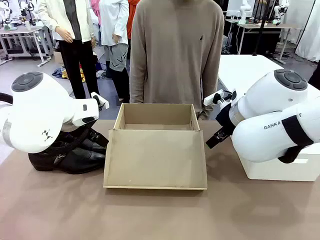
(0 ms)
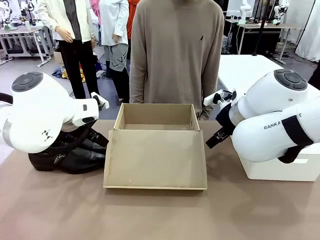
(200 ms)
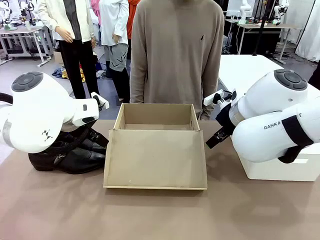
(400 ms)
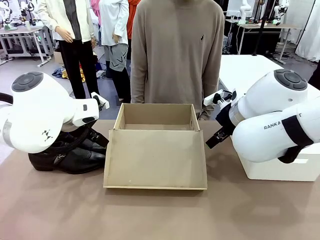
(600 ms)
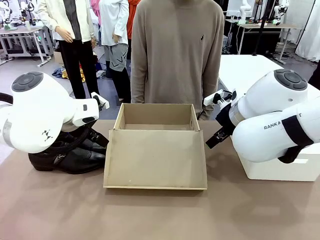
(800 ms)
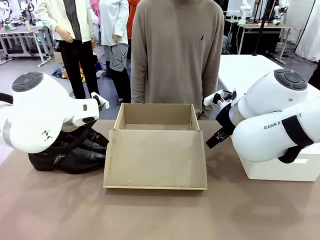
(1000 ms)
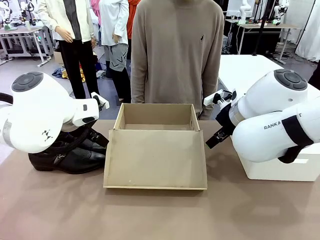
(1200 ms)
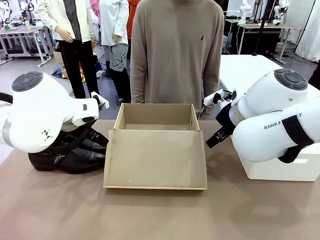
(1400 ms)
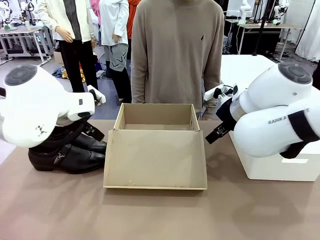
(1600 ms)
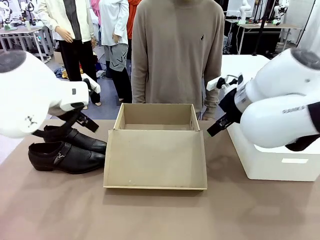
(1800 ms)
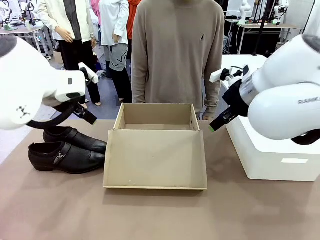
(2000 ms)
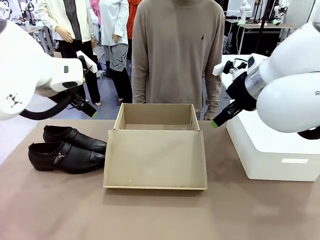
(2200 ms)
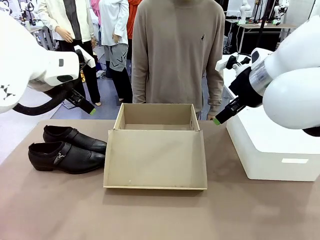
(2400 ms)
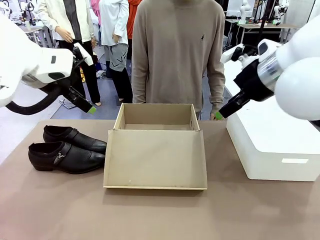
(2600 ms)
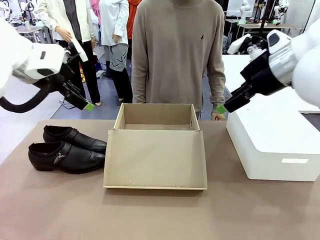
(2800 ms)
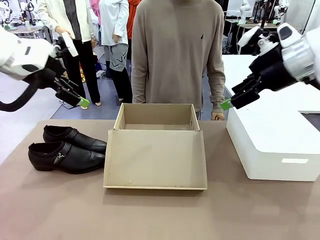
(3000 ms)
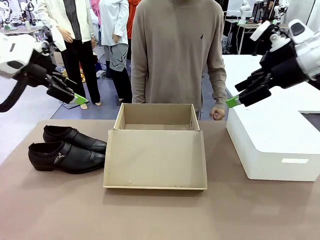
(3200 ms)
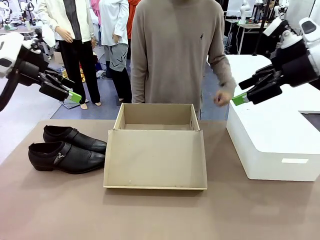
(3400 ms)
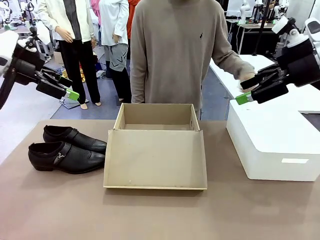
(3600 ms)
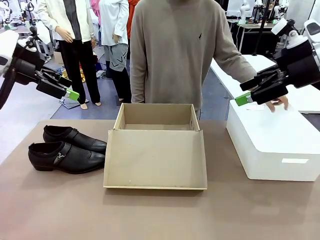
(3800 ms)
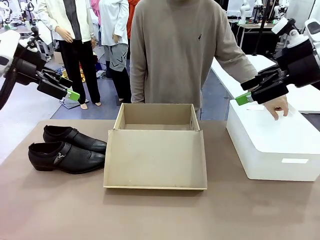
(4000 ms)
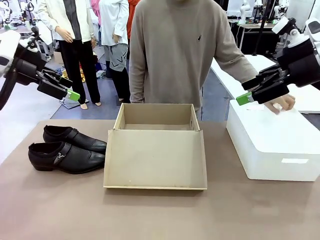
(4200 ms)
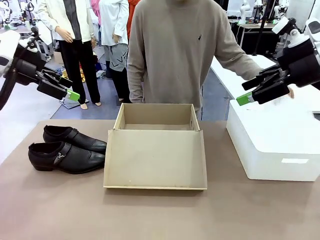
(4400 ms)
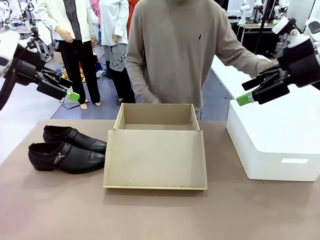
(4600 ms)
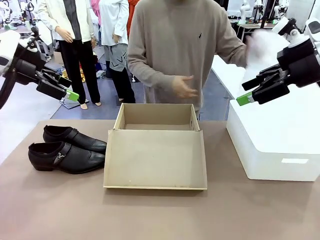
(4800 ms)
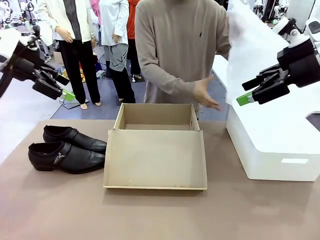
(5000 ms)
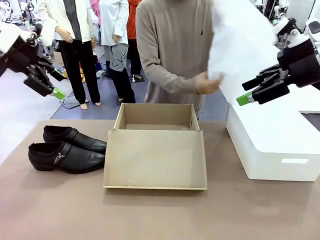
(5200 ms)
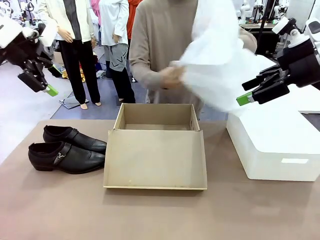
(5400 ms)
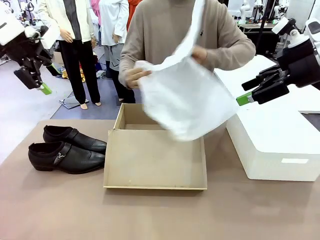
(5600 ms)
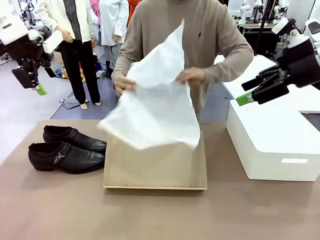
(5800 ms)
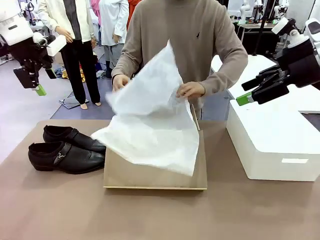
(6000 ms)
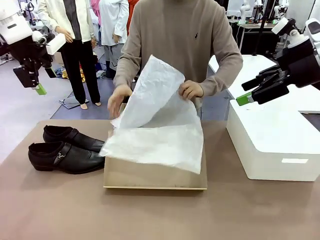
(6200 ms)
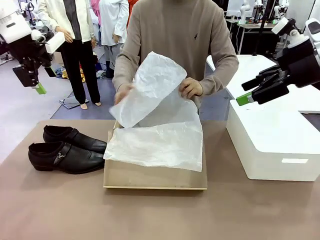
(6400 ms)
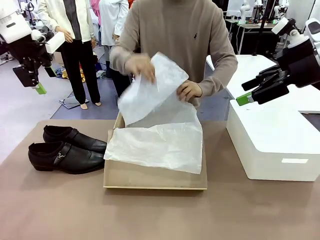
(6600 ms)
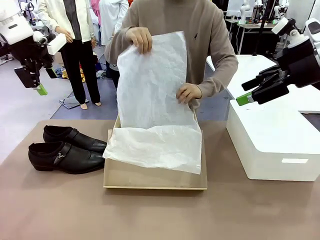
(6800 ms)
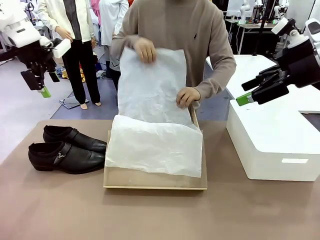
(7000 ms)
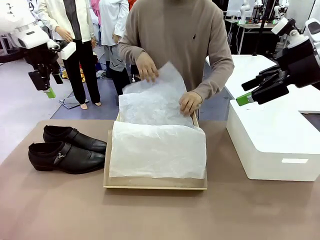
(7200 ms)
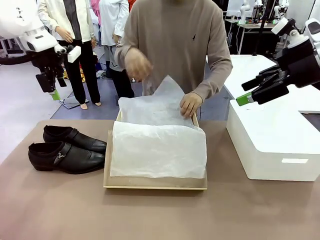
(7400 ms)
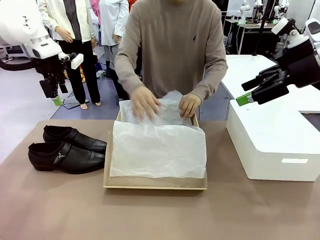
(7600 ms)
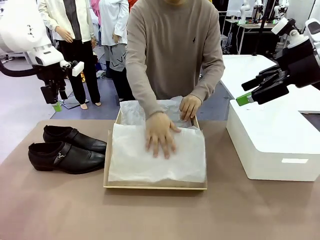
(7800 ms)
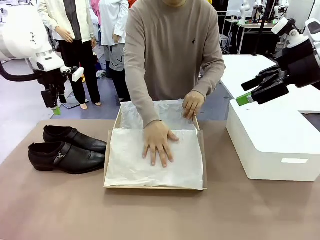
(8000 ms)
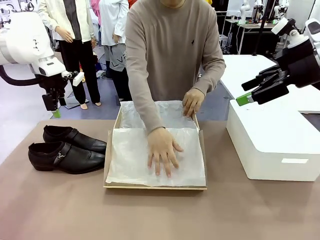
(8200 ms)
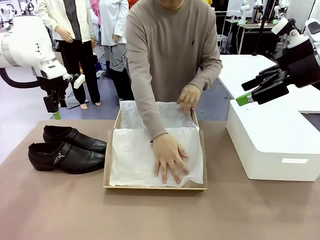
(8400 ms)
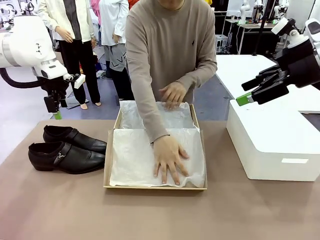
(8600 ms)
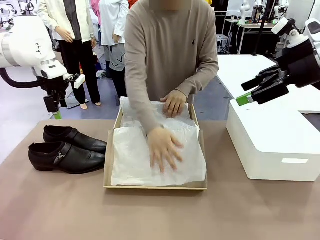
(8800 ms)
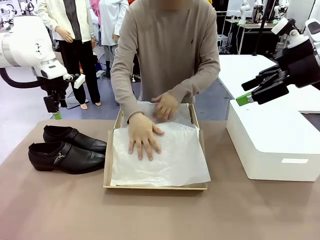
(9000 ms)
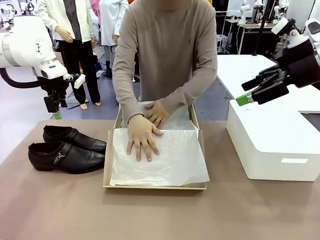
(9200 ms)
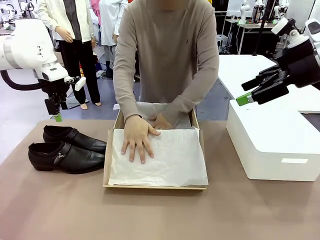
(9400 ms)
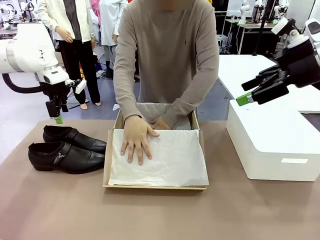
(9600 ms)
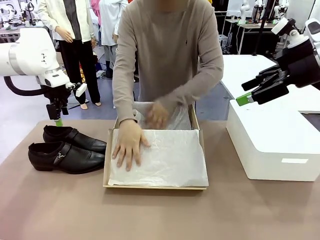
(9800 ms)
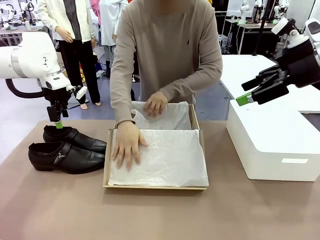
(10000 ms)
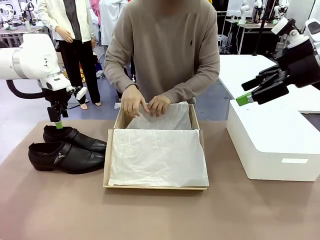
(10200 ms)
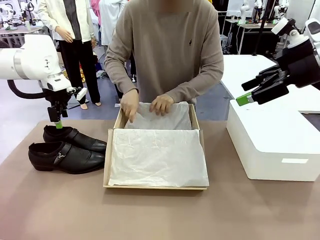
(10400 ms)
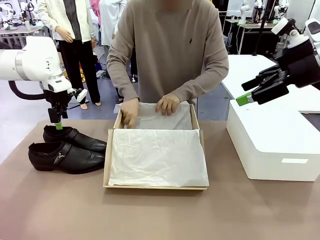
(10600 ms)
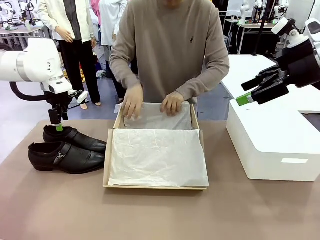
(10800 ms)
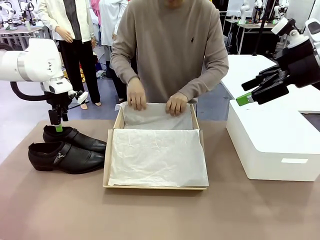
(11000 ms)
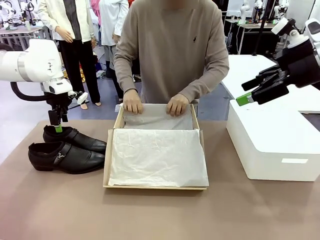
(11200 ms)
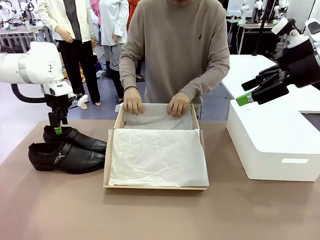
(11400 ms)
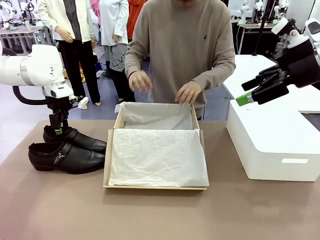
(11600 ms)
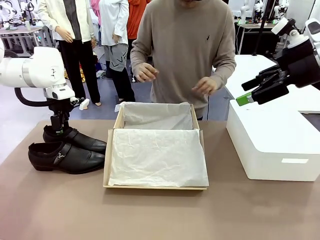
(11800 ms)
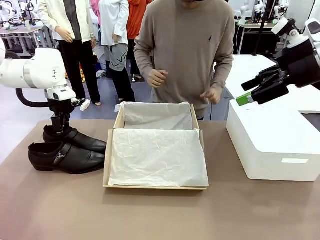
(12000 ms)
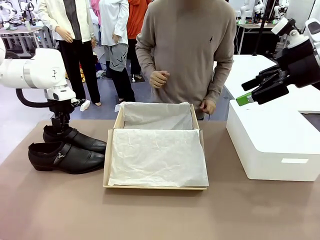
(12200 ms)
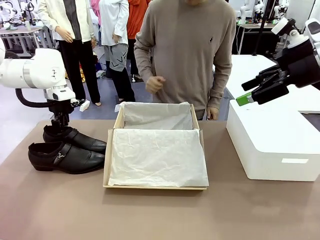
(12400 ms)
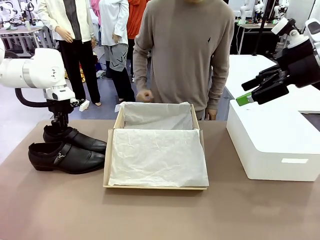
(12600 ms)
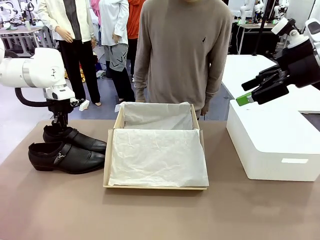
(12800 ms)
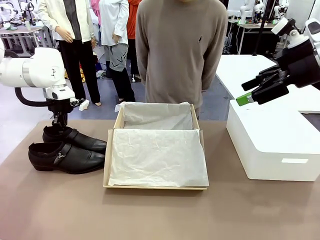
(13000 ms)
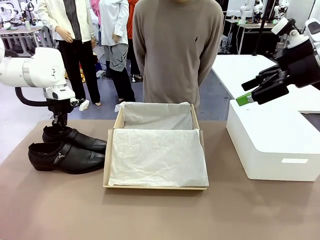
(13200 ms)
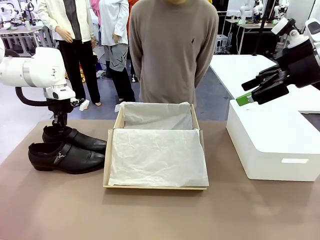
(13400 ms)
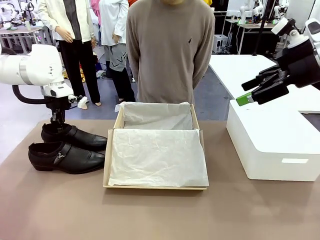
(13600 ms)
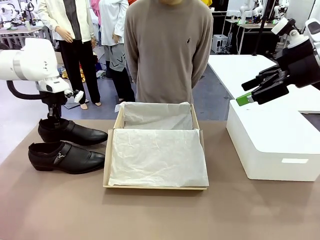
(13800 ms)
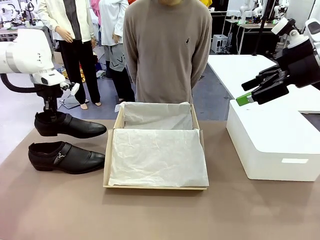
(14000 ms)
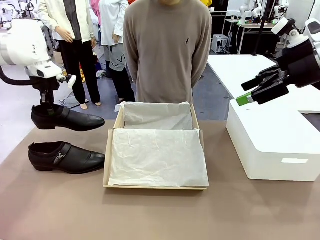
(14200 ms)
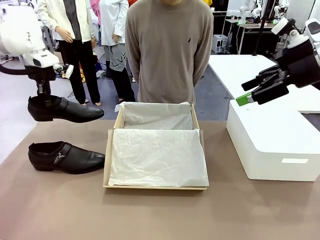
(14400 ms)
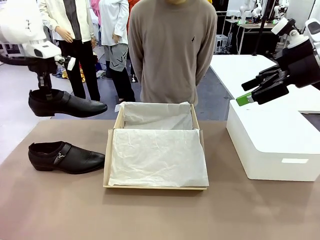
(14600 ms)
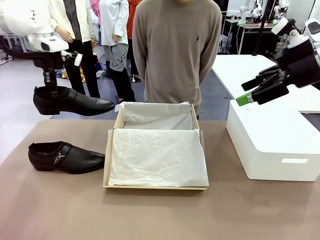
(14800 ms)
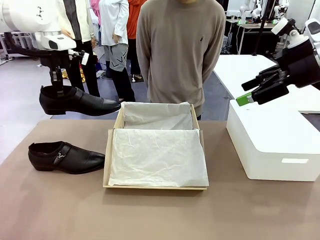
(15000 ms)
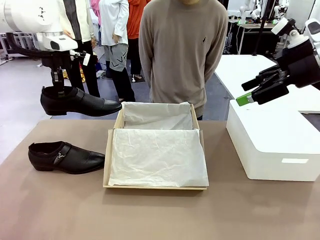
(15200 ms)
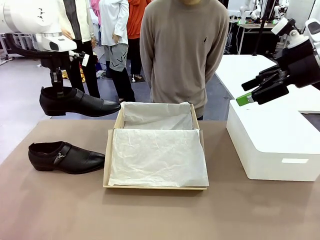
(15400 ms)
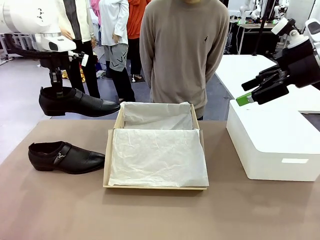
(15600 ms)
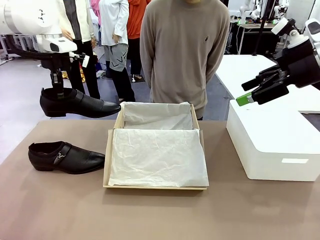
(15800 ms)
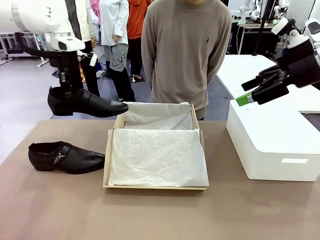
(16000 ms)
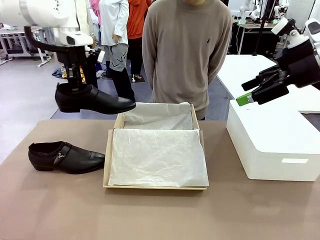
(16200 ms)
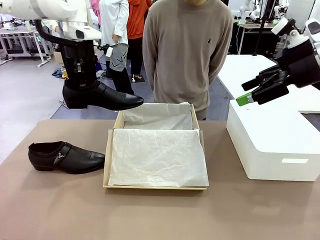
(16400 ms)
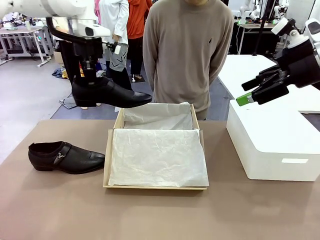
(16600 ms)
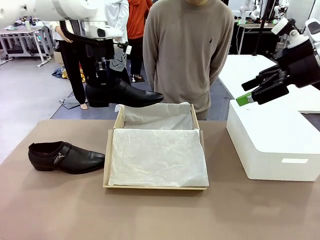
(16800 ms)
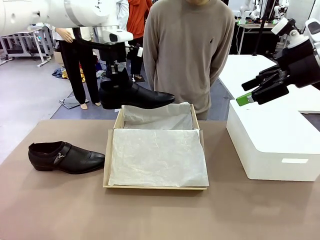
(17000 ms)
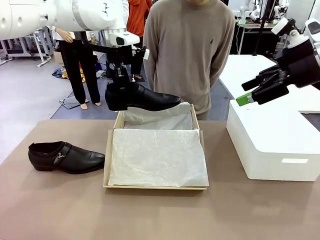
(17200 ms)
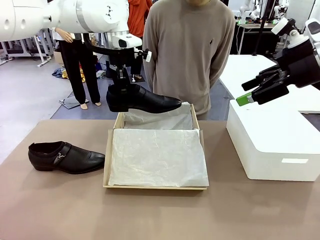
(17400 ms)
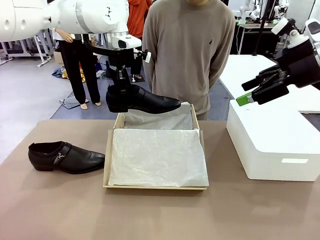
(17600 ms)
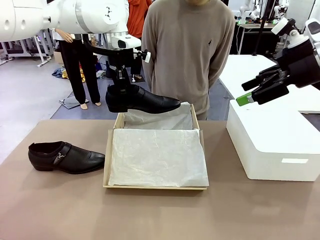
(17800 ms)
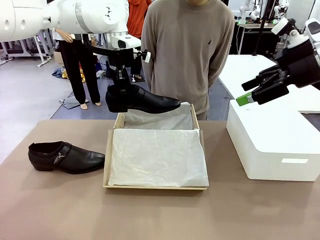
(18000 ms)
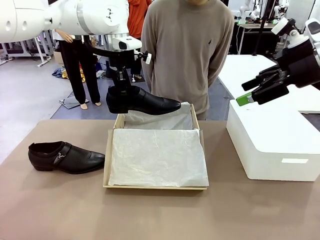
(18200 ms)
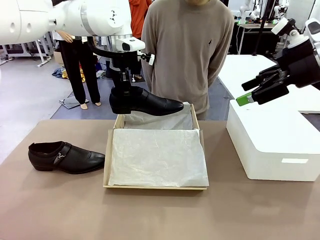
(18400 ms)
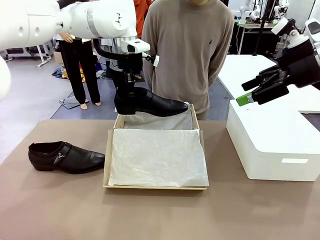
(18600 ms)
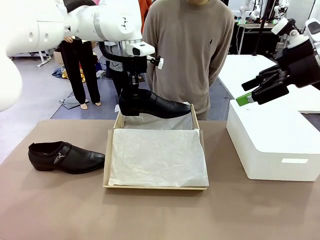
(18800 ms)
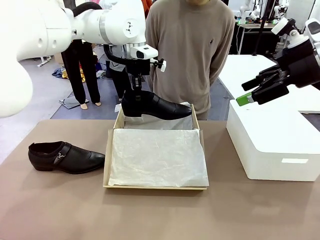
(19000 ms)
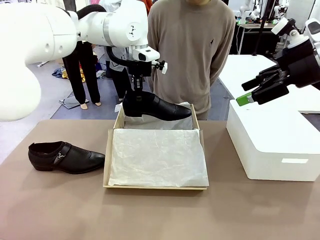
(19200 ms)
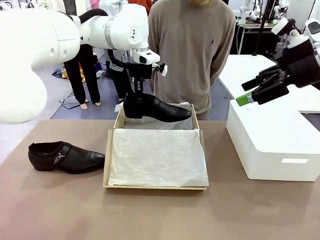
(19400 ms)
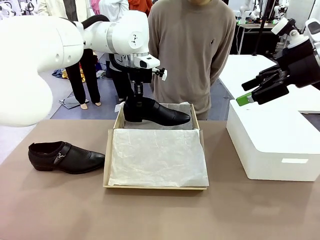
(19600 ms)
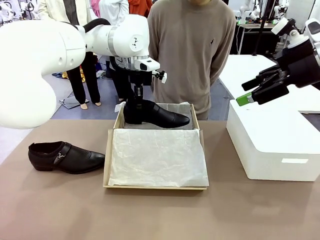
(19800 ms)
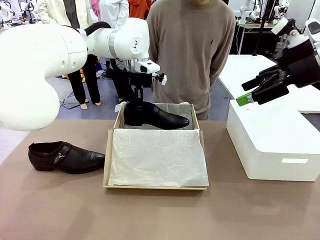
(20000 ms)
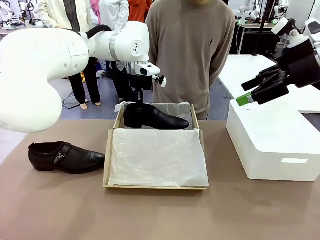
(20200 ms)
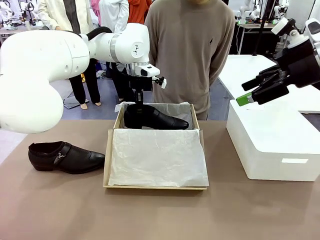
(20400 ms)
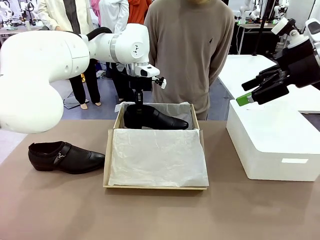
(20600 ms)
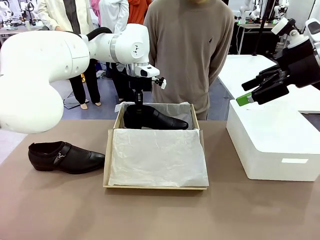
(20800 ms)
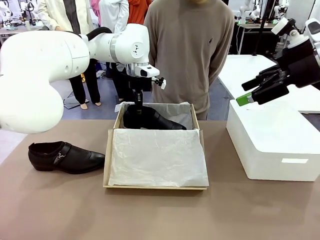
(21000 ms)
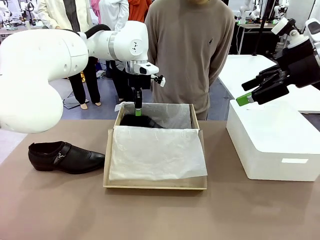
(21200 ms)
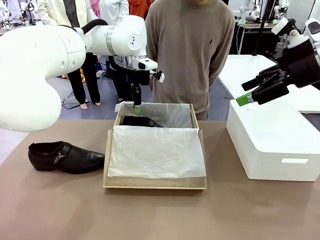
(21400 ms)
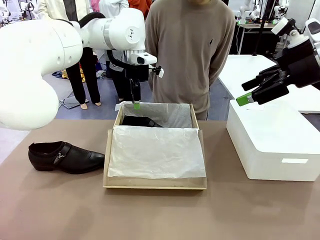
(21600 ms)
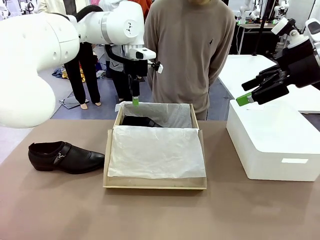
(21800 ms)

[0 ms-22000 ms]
Task: Pack the shoes into the box.
Robot: Place one shoe of the Shoes into the Shoes Box.
Person: Spread Shoes Wrapping Paper and place inside the Shoes Box.
